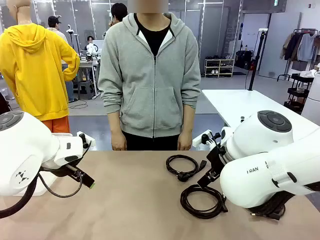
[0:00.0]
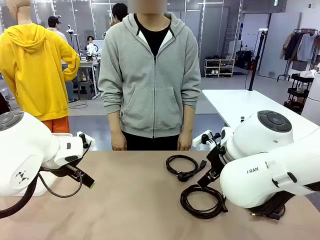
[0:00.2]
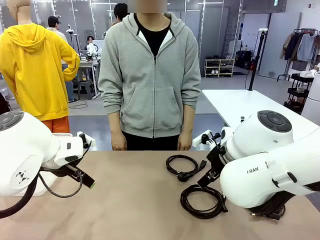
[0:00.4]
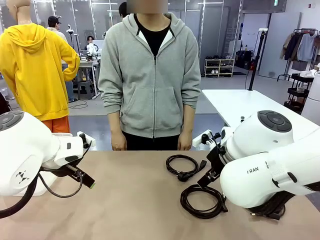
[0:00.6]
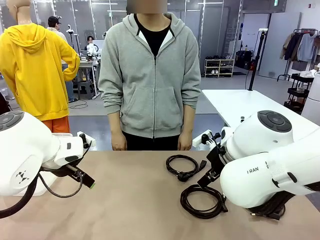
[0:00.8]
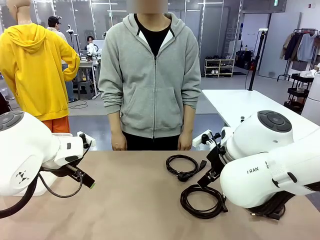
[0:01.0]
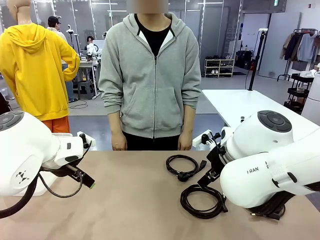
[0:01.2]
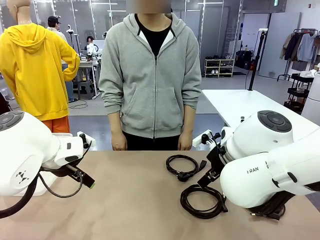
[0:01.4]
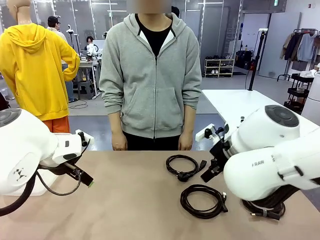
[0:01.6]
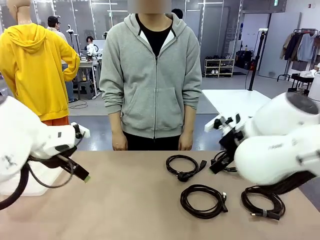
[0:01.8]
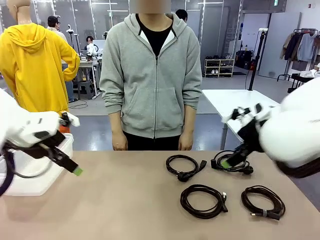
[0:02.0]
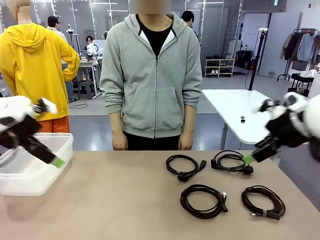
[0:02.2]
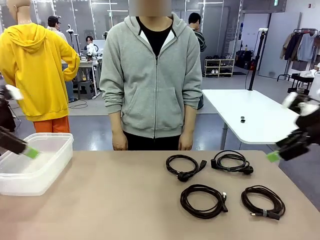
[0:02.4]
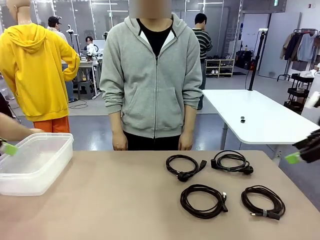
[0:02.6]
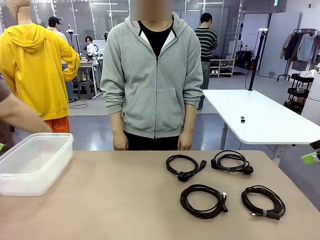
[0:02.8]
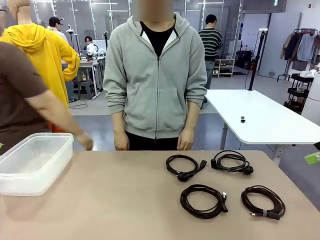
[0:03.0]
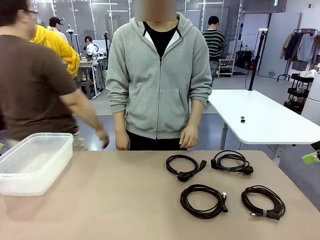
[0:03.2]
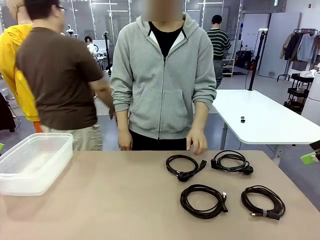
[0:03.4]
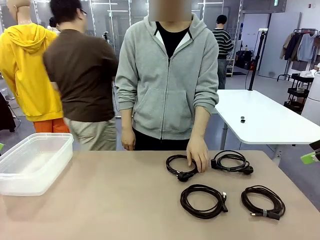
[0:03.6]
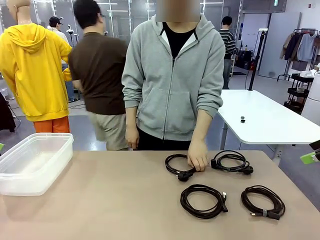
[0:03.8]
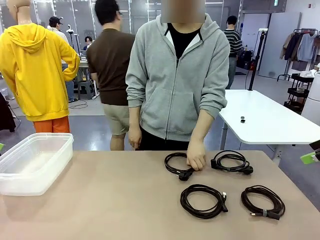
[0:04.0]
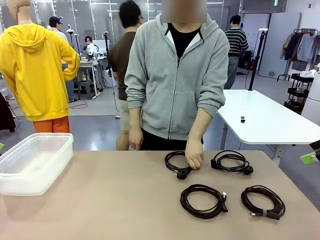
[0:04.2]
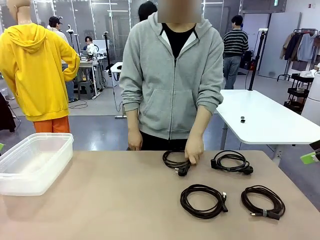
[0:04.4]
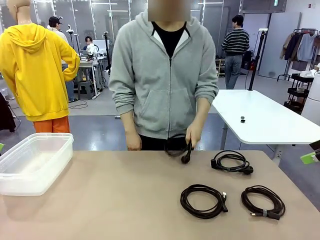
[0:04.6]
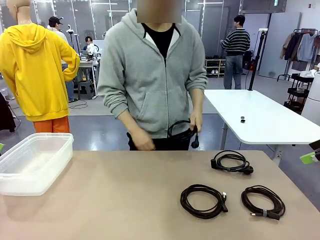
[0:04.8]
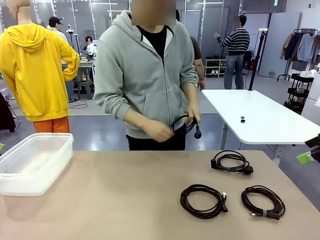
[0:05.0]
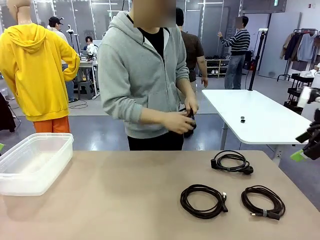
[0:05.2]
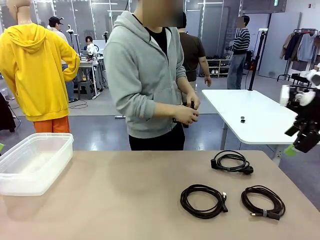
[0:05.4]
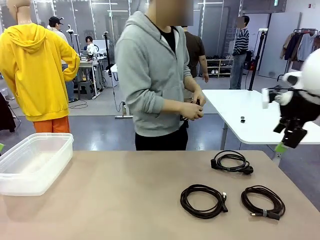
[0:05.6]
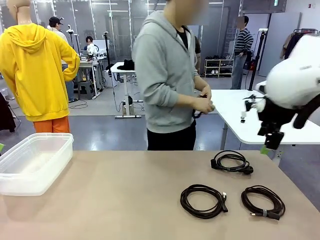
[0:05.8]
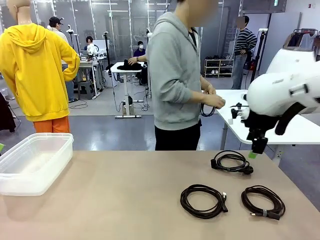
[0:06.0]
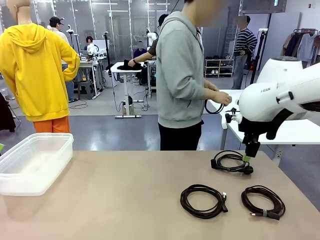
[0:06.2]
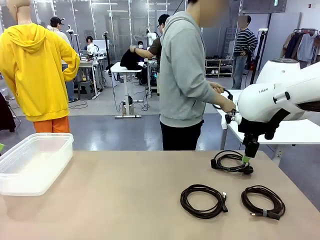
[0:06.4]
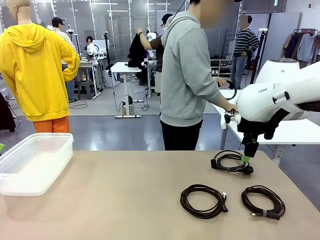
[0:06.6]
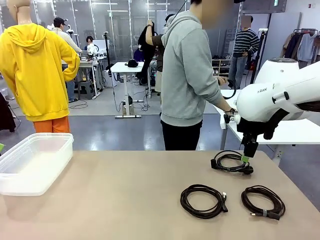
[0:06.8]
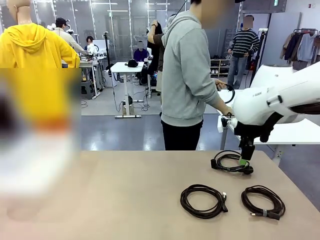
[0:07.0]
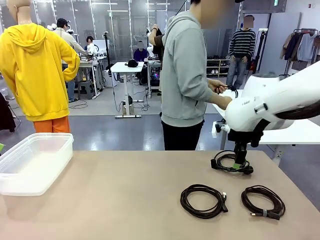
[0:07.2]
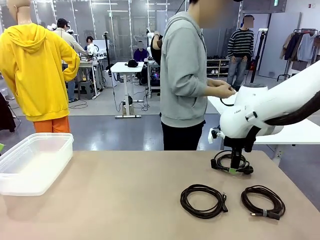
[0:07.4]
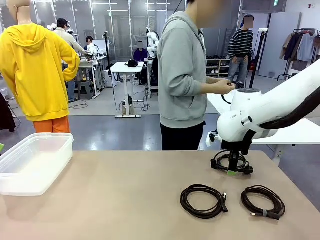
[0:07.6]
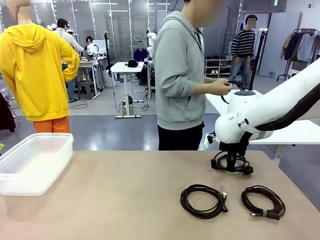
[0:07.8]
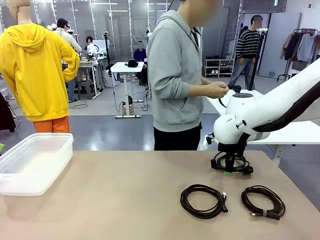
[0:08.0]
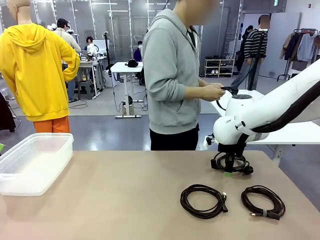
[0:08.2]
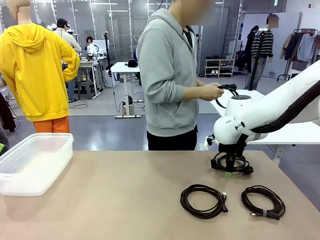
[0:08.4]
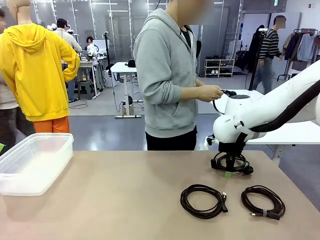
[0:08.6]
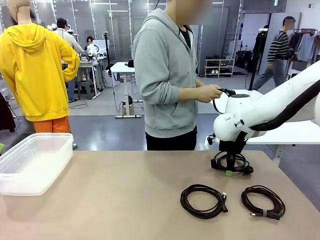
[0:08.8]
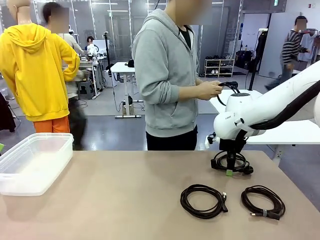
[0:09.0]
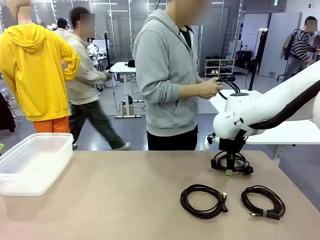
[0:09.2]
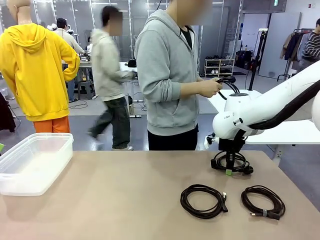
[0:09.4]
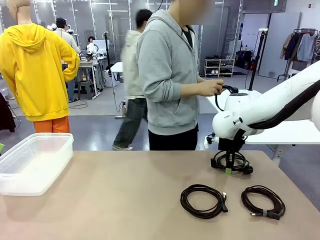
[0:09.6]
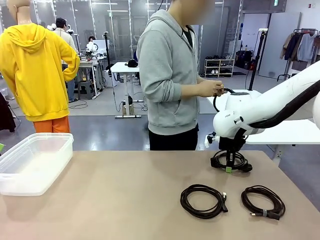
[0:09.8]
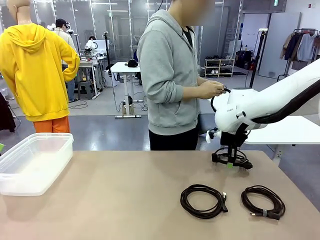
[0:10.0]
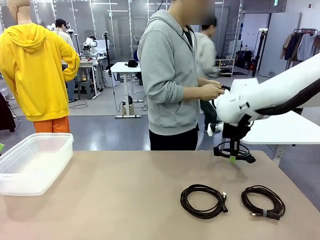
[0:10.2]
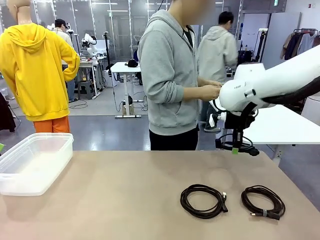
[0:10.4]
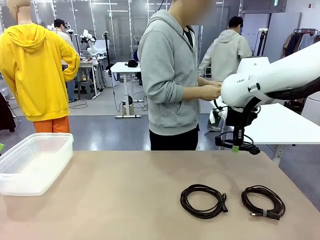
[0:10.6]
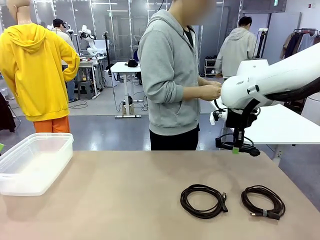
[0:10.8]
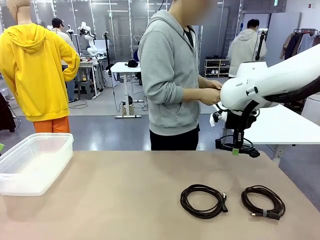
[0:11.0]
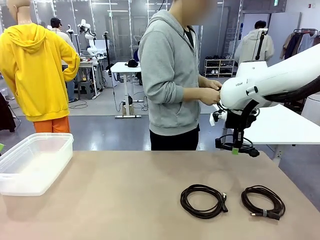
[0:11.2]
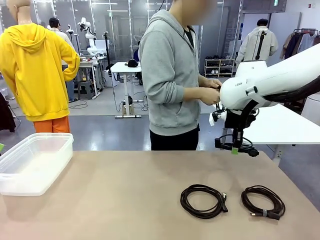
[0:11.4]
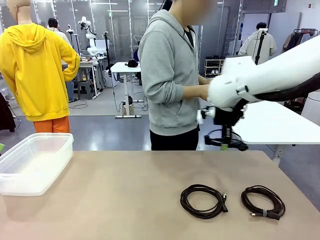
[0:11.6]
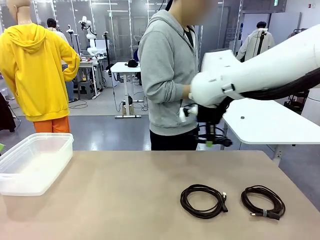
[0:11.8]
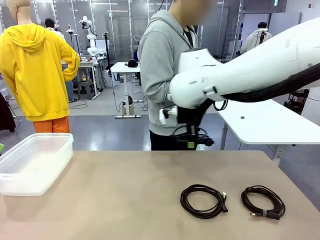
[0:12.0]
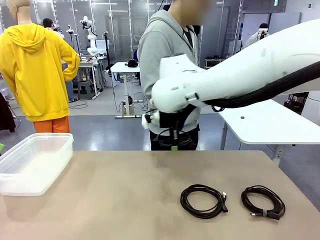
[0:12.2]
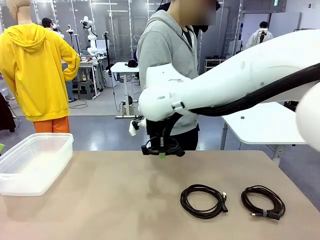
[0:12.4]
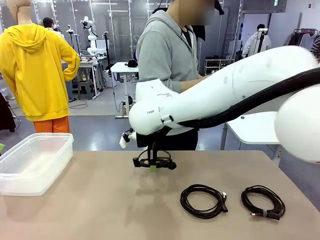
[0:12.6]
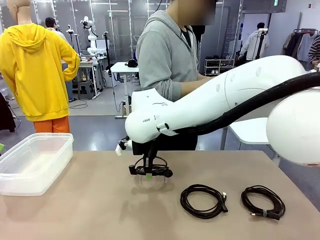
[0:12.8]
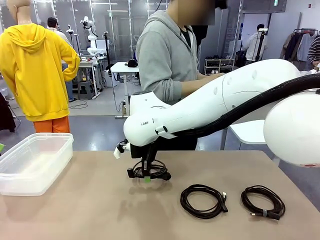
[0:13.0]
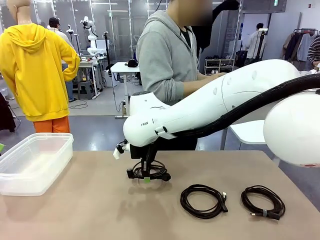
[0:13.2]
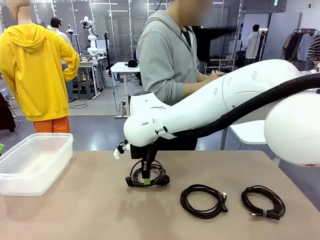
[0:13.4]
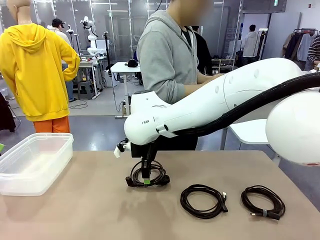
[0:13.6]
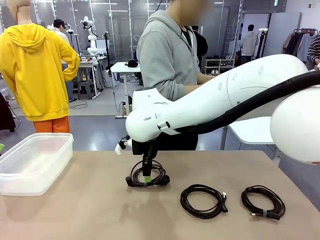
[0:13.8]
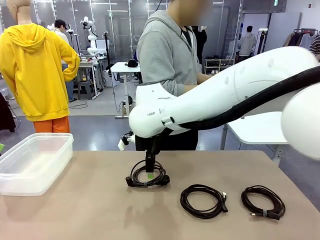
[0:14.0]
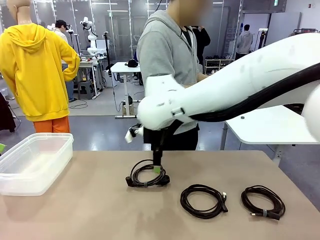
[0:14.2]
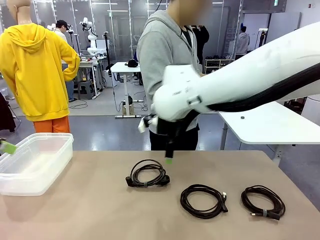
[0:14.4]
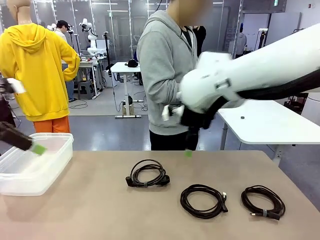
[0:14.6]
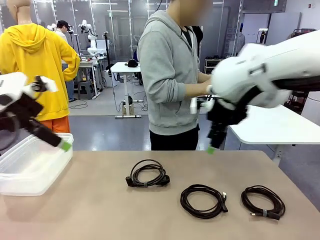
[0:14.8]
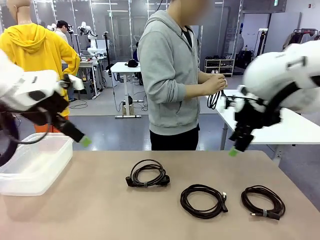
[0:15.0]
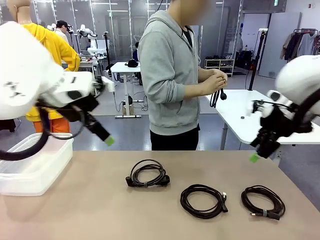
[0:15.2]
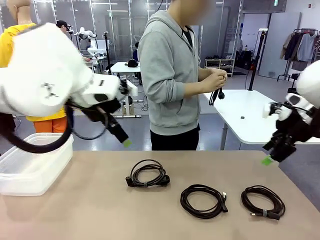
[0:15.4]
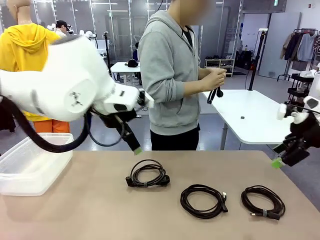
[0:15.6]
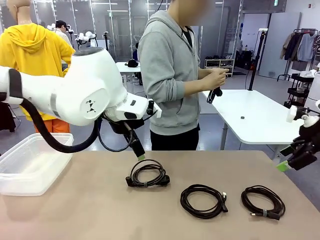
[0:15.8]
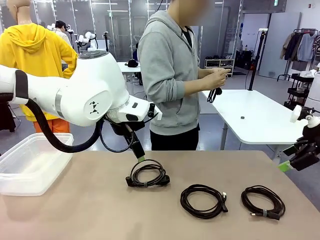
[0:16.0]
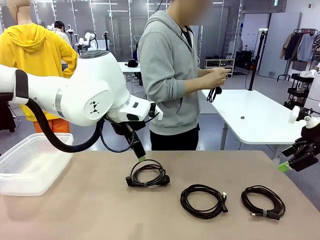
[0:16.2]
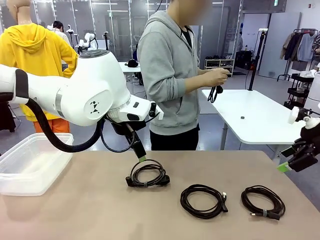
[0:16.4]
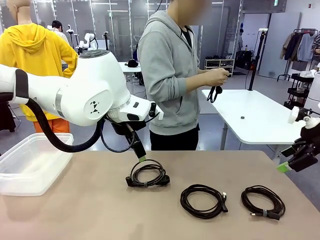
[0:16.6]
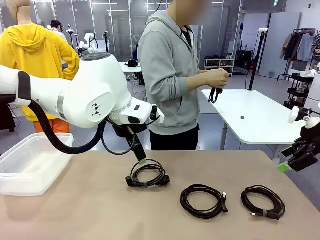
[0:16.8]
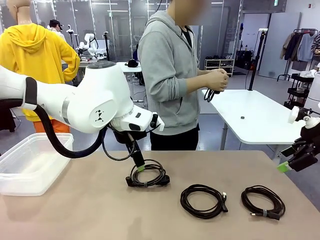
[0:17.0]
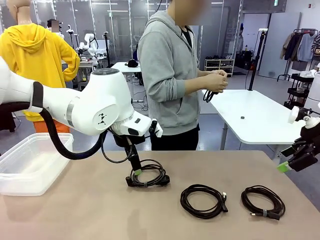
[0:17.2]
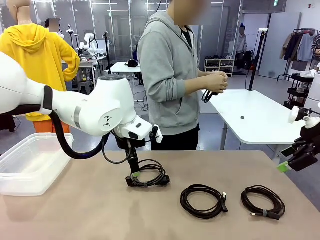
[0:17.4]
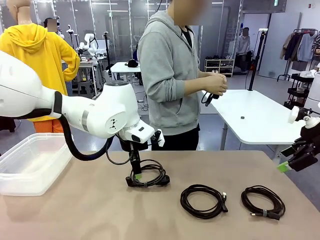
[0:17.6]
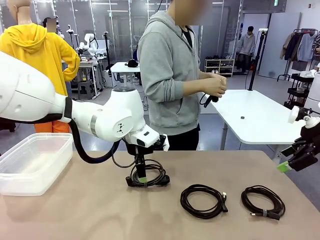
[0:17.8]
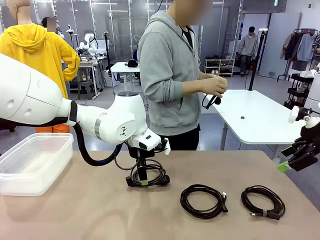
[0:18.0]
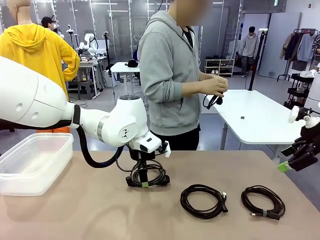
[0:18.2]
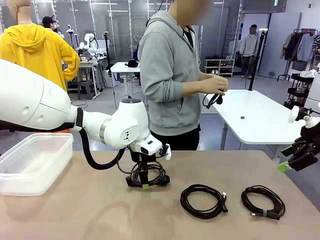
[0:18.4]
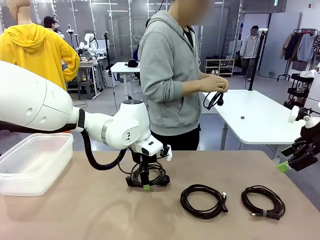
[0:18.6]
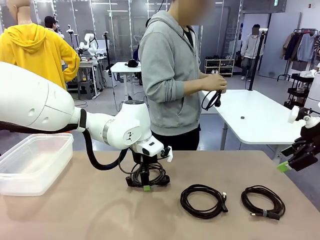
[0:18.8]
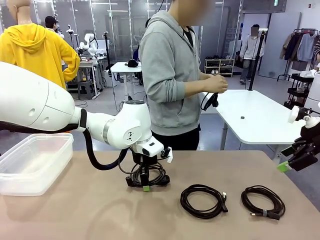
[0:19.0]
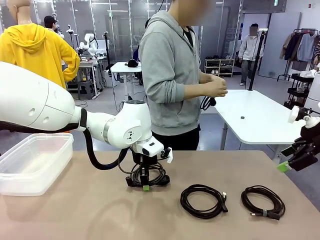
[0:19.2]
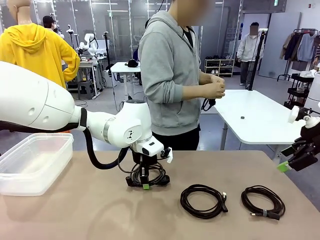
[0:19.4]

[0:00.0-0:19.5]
Task: Organize and store the cables.
Robot: Place the Power Cable into the Organizing box.
Person: Tie one Power Cable with a Reusable Cable Tie.
